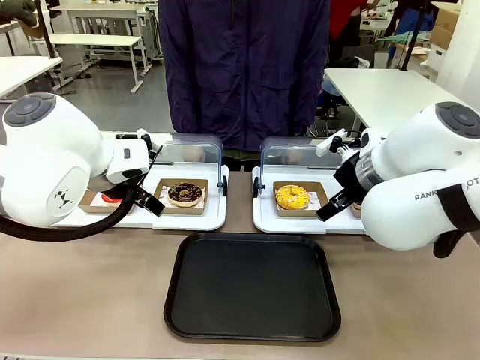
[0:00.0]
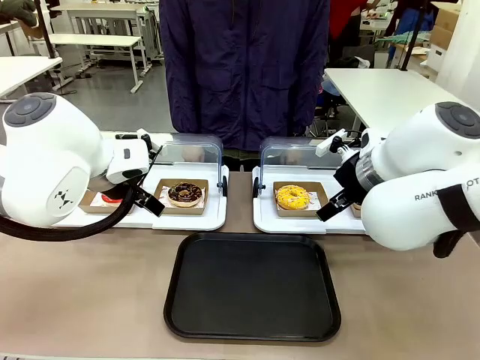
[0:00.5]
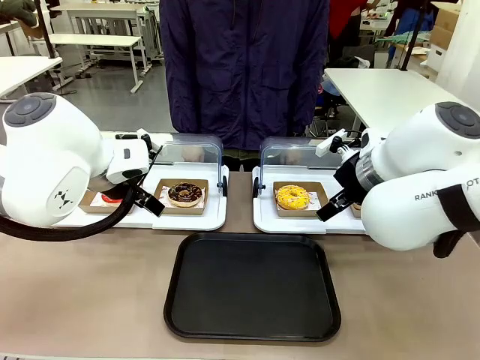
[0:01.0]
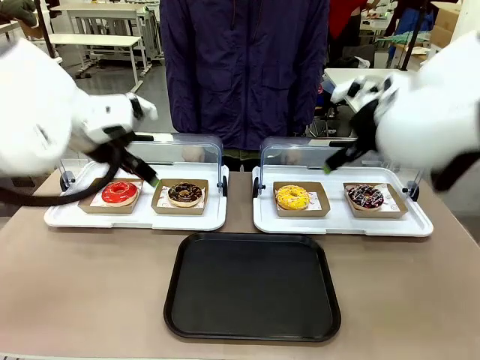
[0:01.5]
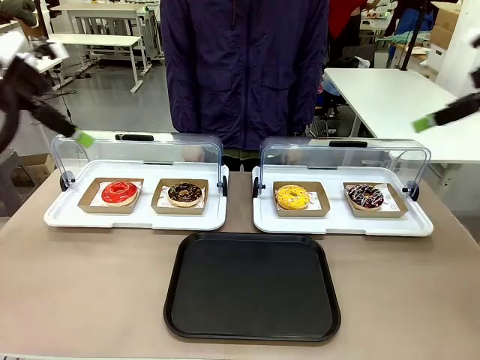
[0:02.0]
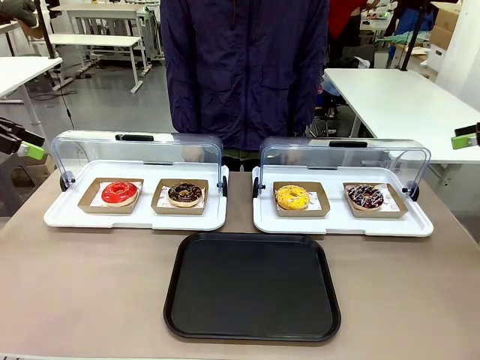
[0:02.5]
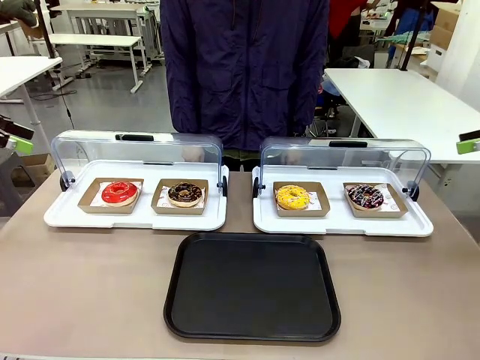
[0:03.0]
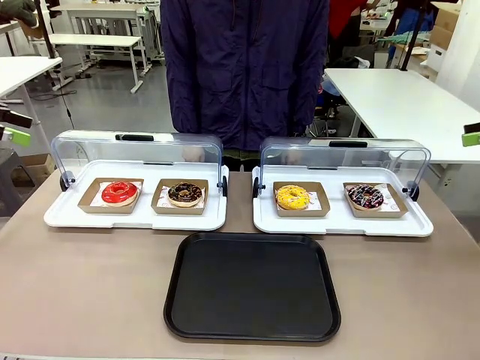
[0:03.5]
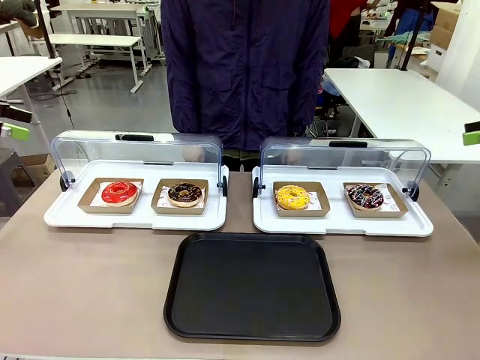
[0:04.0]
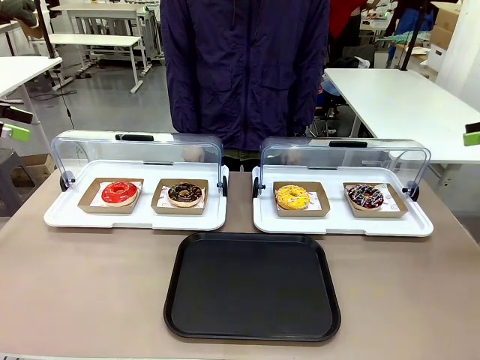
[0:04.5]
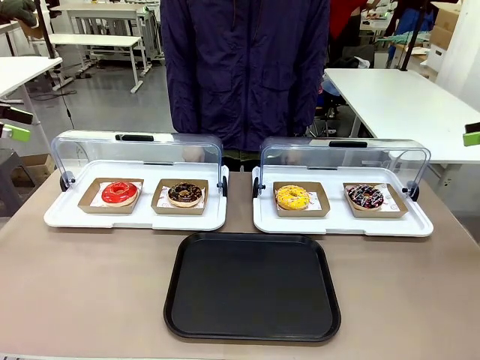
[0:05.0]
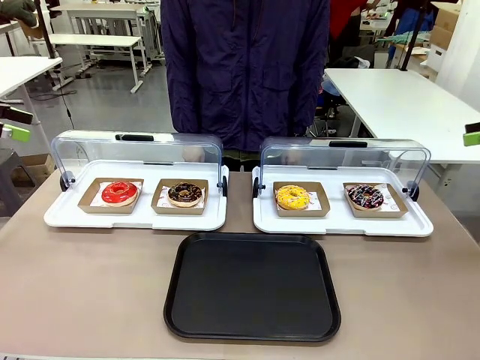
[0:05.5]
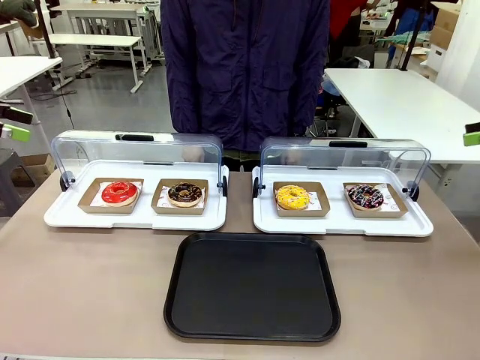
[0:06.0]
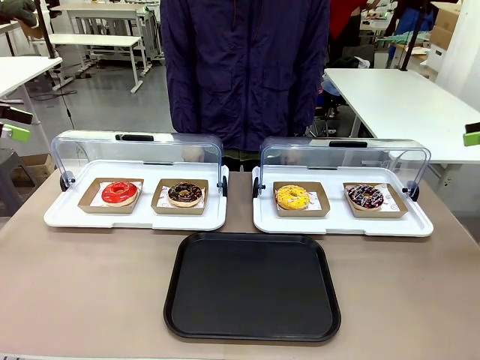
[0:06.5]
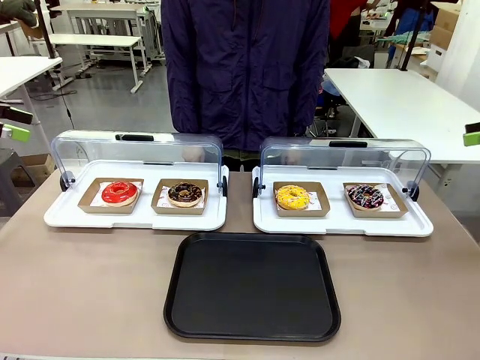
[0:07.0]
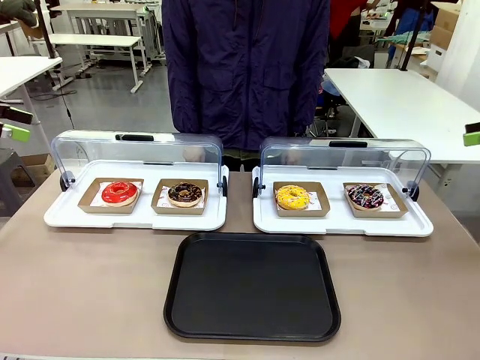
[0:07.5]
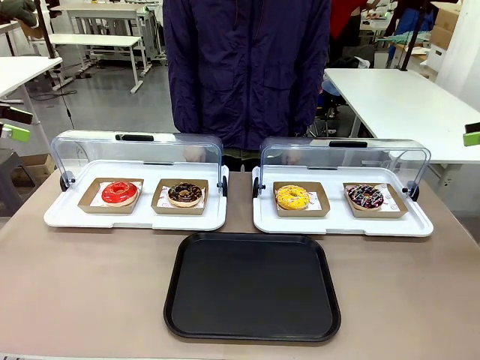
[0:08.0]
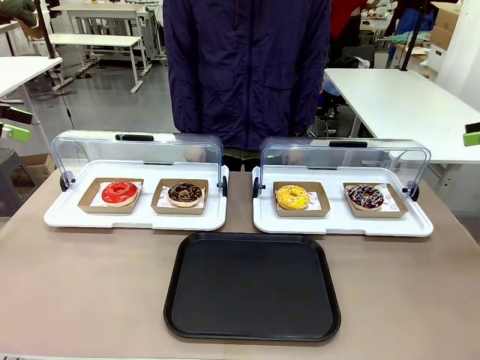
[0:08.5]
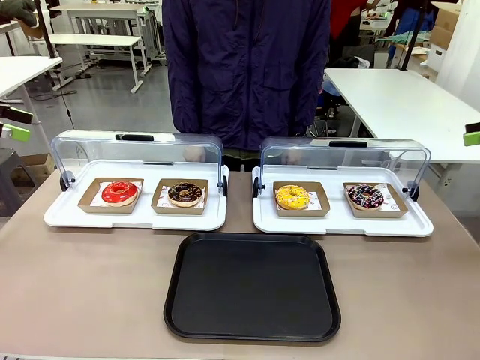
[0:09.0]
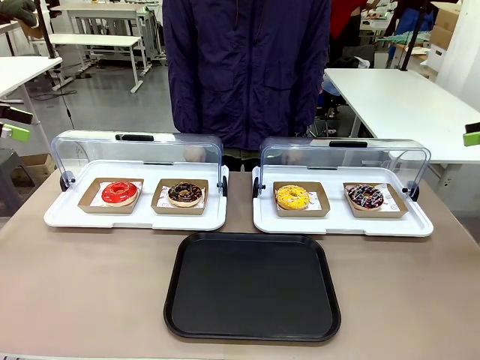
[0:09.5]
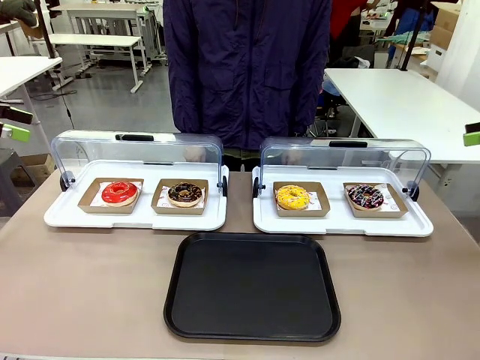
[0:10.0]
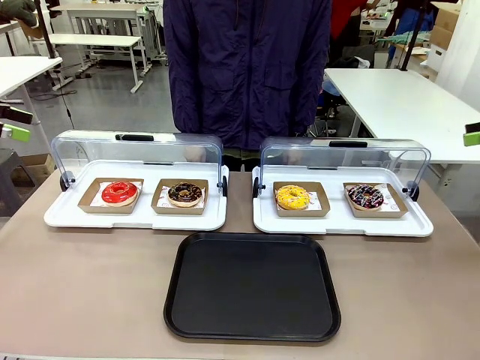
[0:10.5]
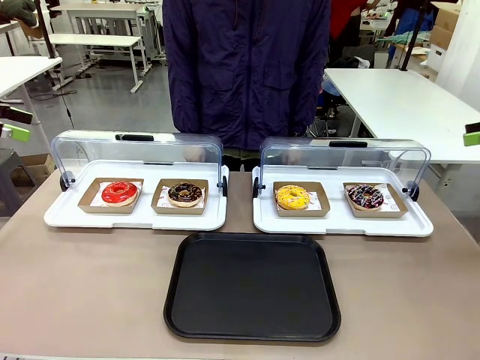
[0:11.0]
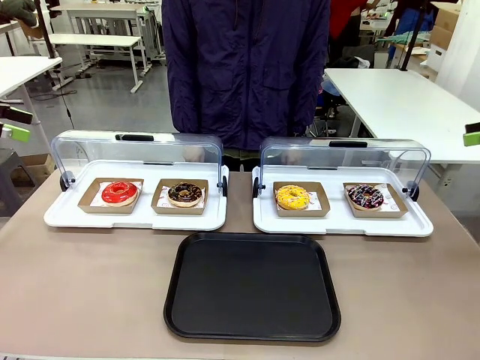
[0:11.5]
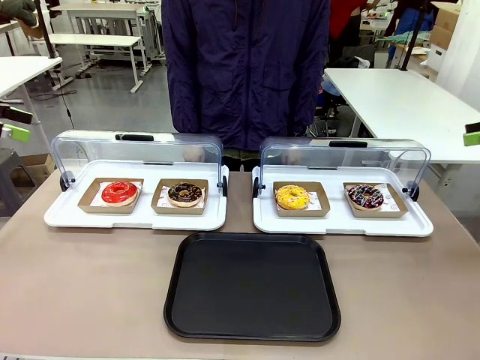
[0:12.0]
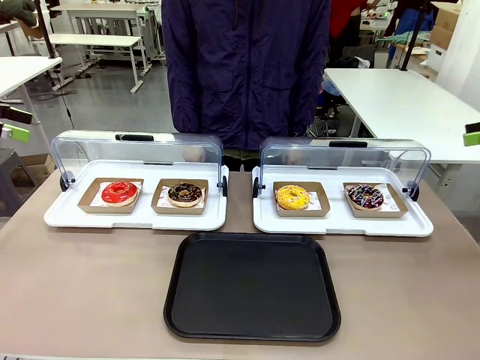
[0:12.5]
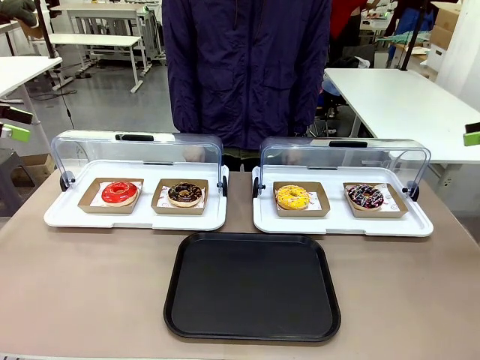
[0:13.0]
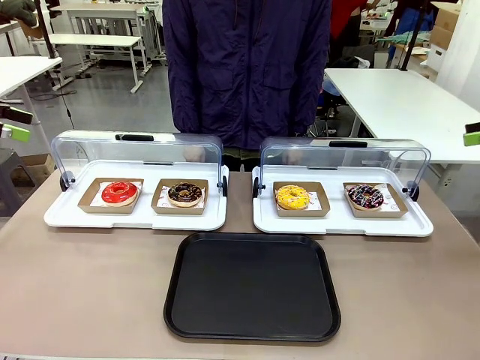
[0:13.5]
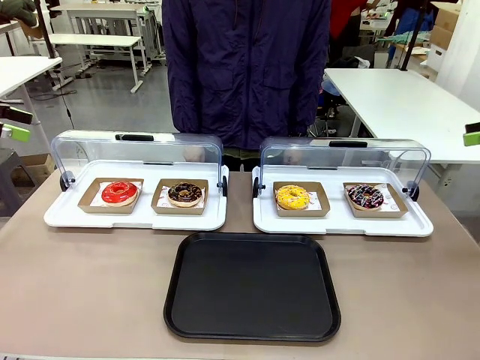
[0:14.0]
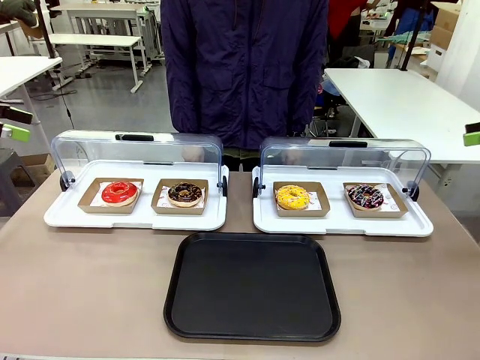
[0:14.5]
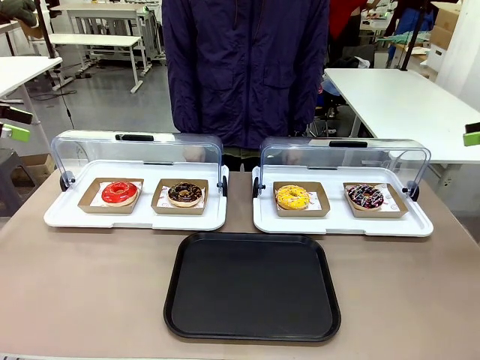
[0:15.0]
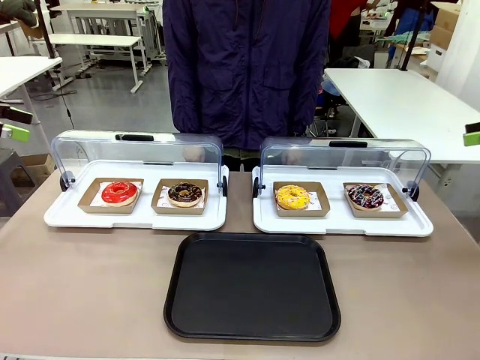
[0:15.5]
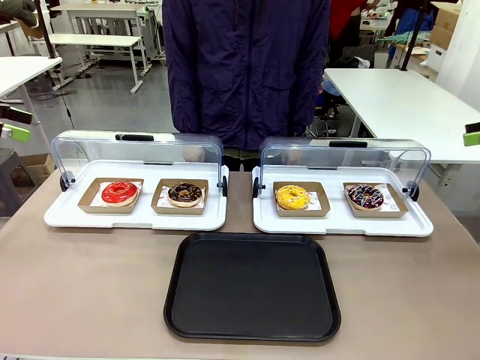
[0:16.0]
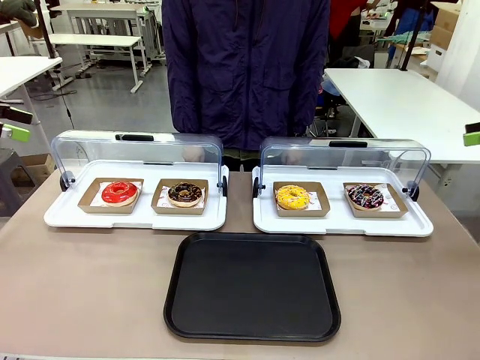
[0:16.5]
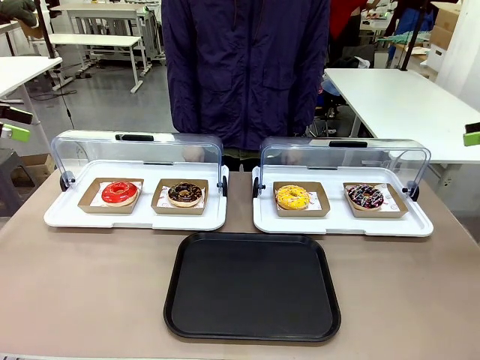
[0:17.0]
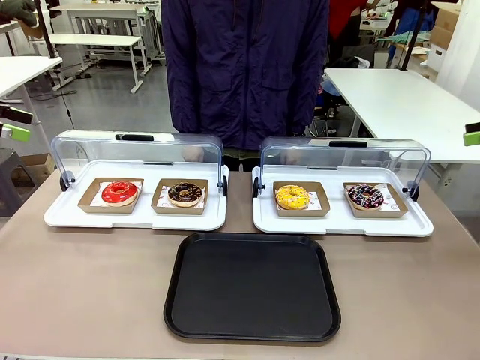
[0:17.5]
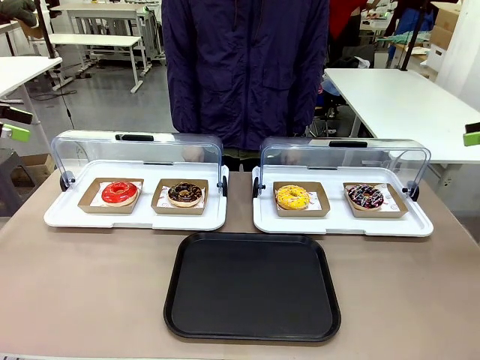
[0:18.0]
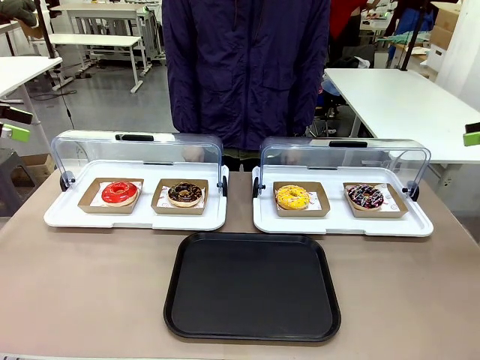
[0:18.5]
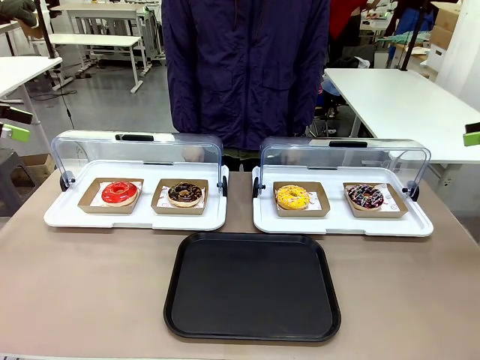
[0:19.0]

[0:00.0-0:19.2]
Task: Move the second donut from the left to the tray.
Robot: Pick up the Paper togo box containing the Donut indicated by the person and place it on the Handle tray.

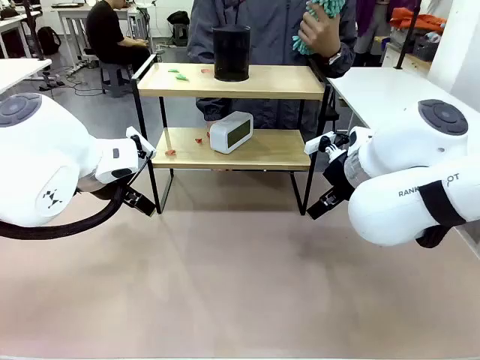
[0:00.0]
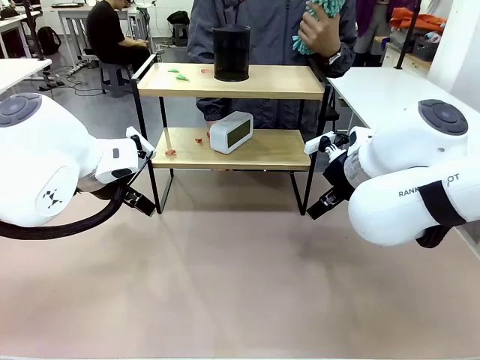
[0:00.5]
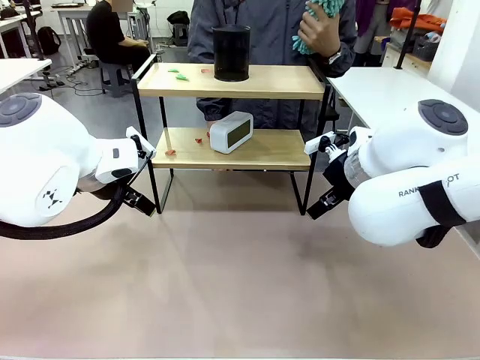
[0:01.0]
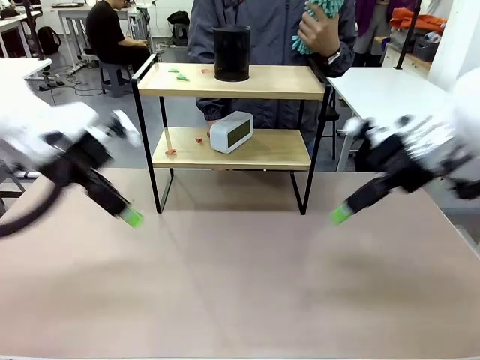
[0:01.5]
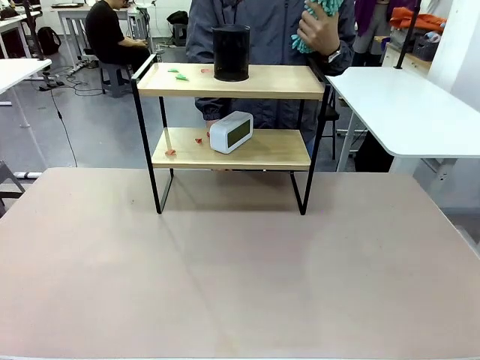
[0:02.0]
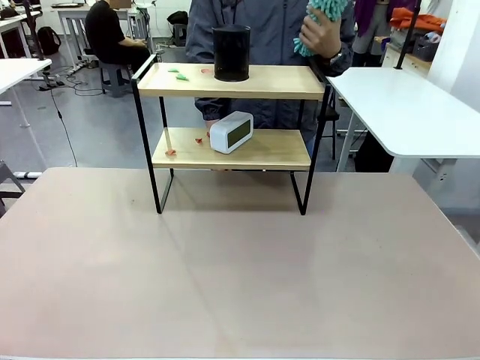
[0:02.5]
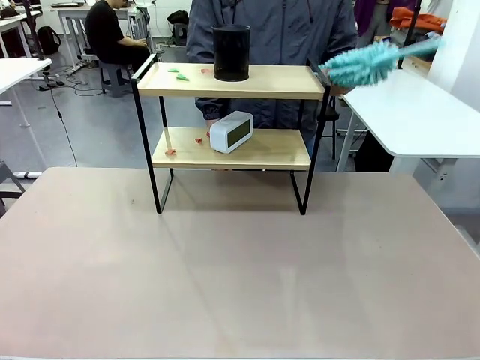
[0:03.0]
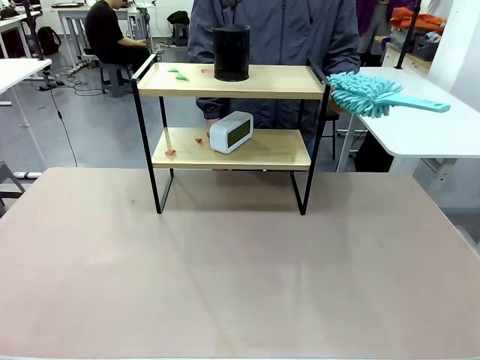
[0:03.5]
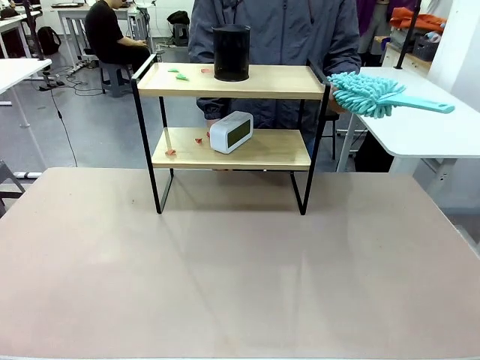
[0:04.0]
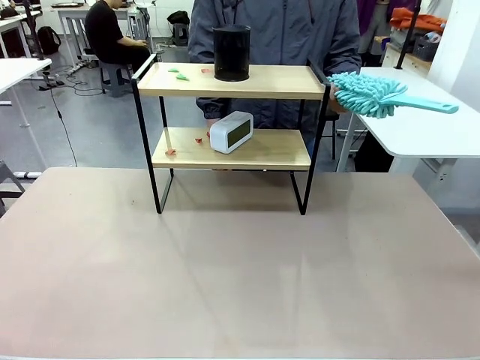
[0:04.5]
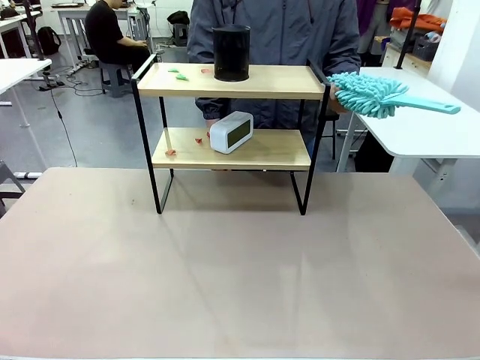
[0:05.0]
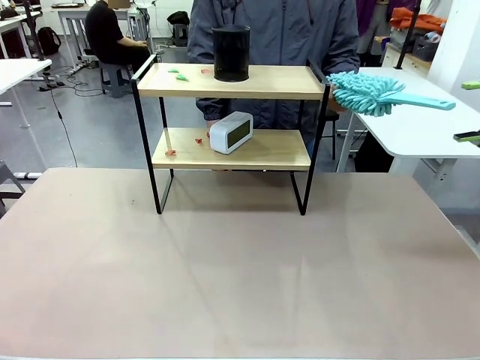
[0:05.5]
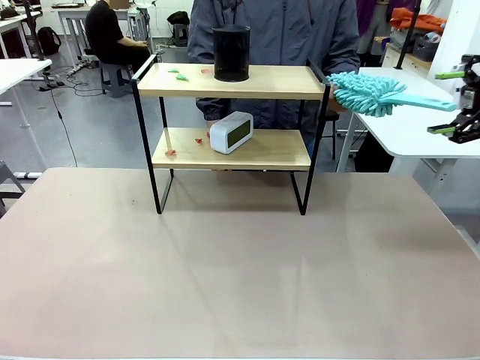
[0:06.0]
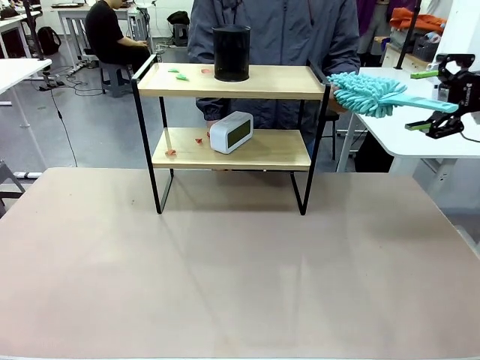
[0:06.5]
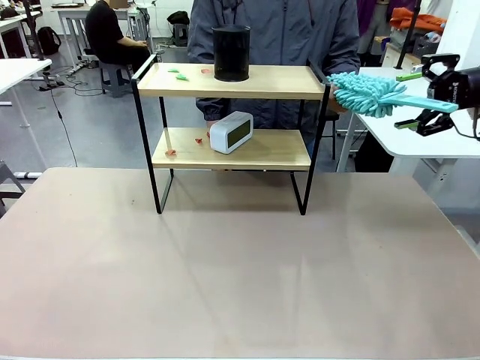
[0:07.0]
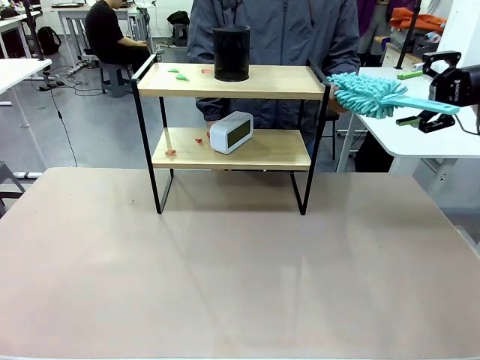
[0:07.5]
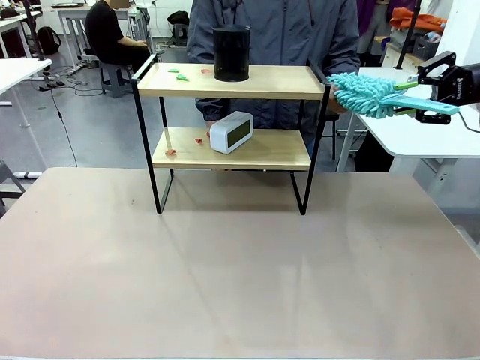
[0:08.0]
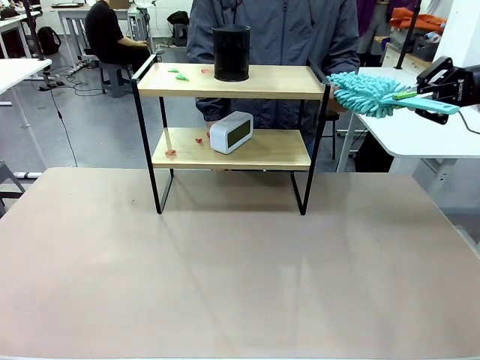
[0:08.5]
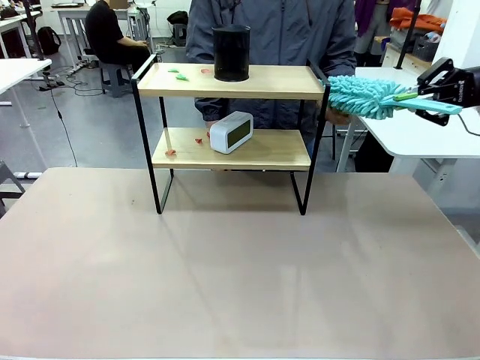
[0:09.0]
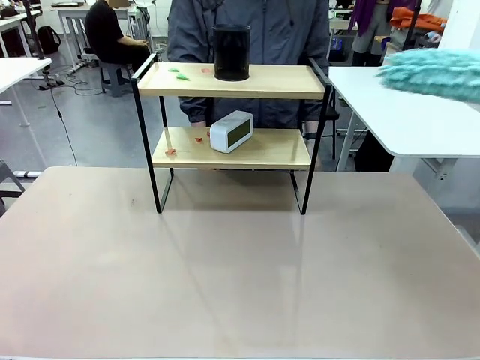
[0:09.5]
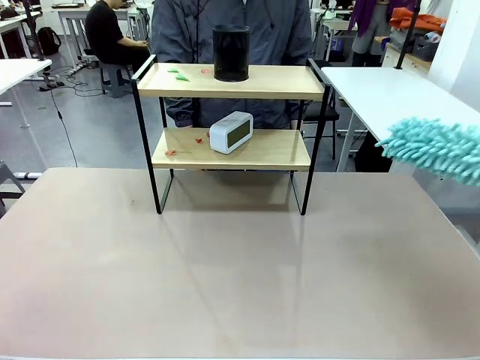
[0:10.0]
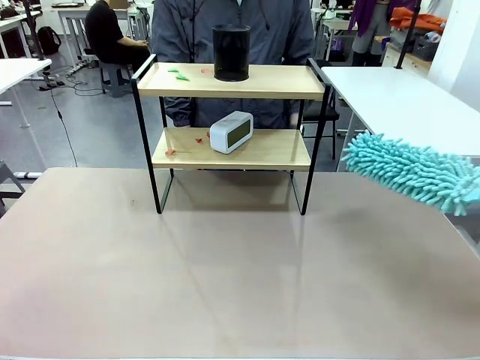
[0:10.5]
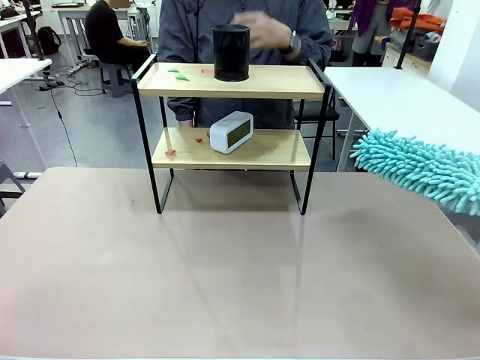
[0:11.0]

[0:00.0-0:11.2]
Task: Clean the shelf.
Robot: Pick up the Duster from the human.
Person: Hand the Duster to the robot.
